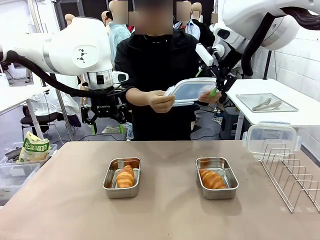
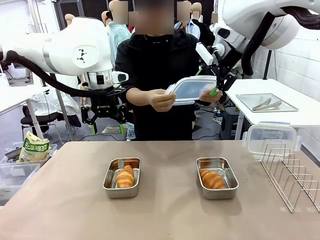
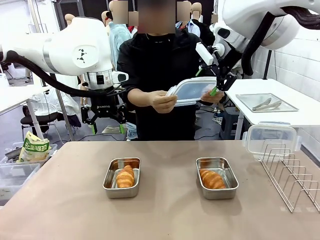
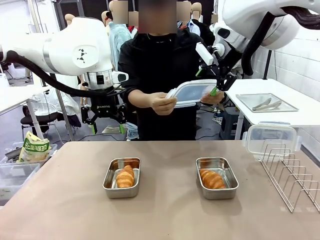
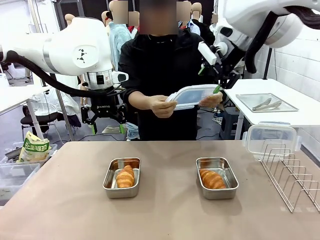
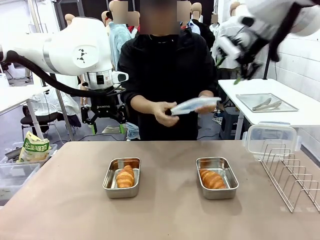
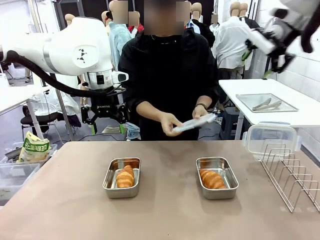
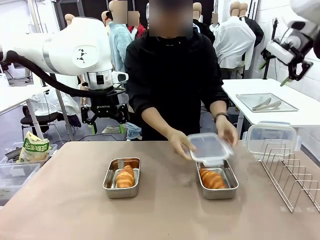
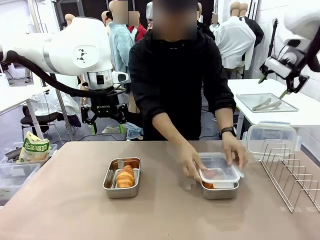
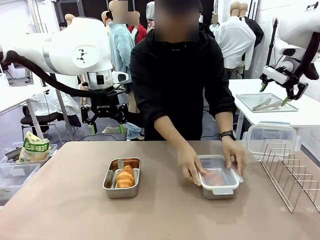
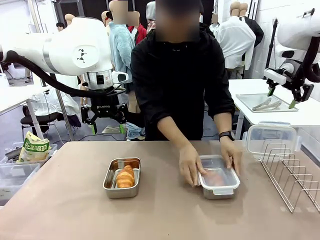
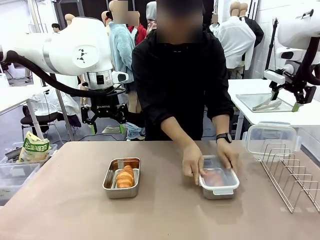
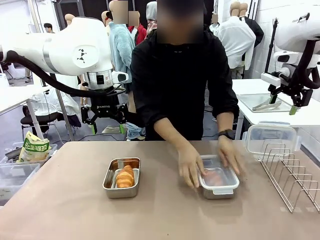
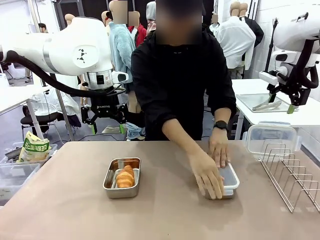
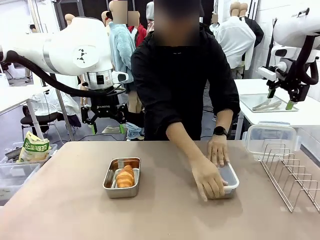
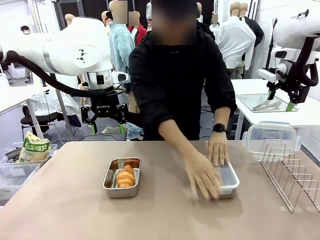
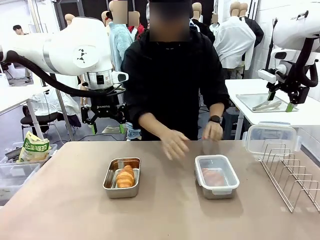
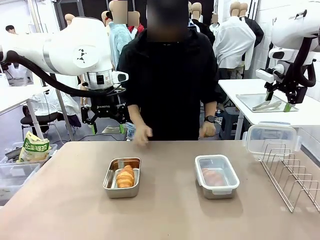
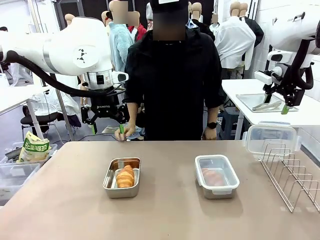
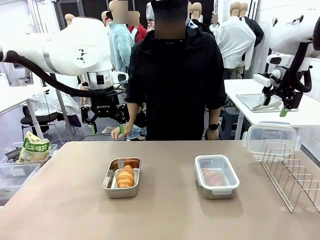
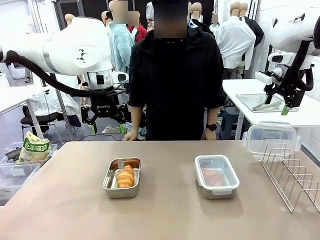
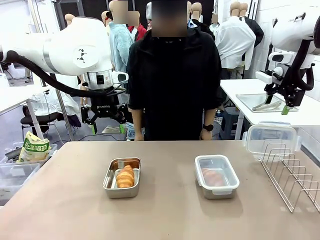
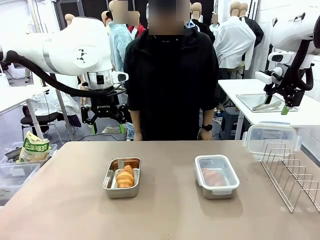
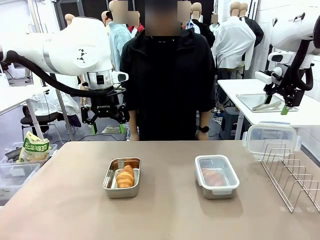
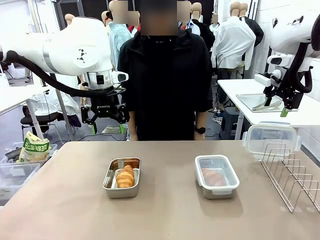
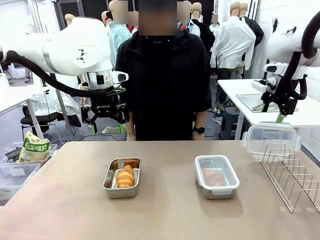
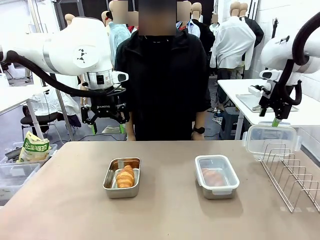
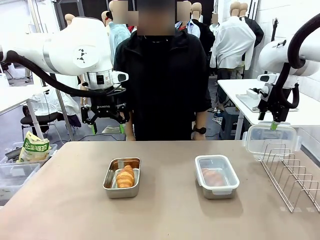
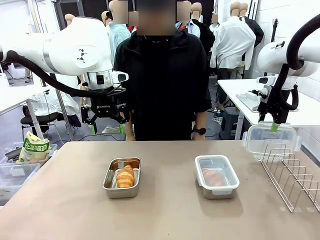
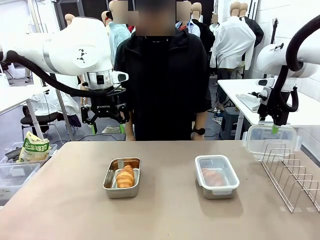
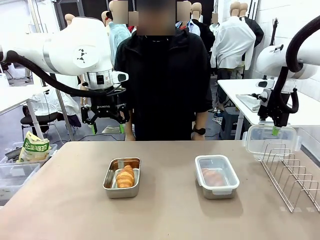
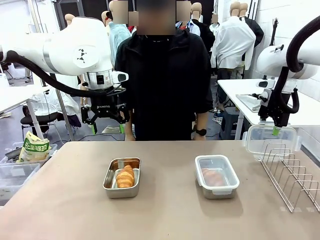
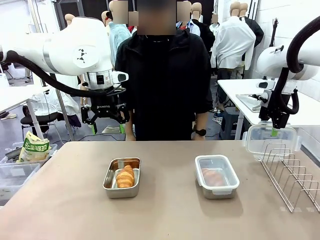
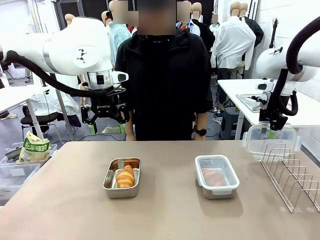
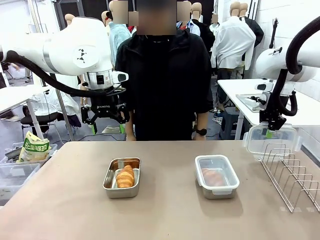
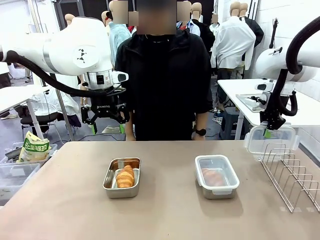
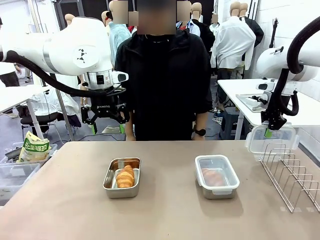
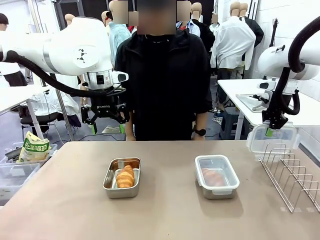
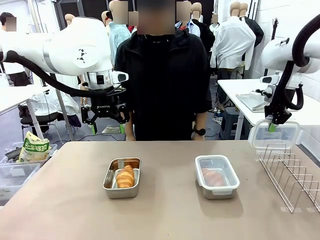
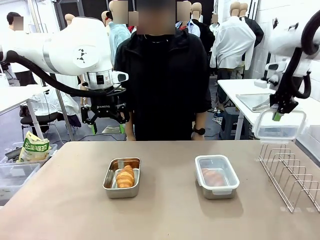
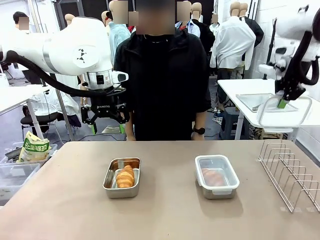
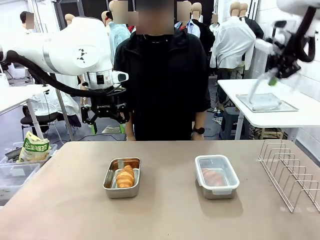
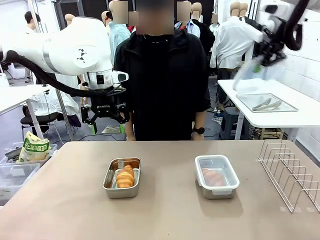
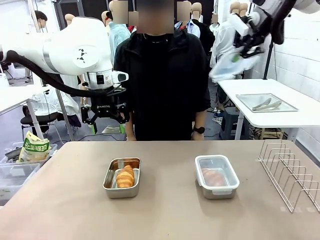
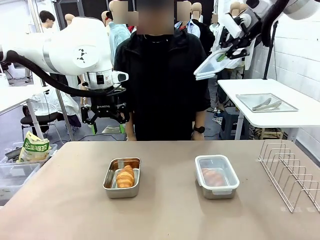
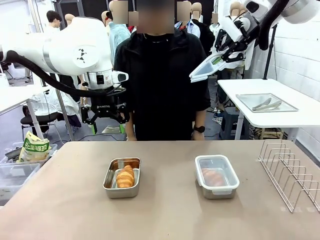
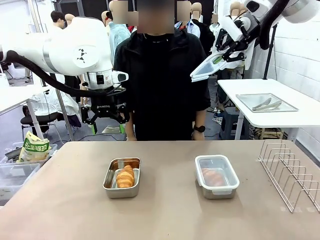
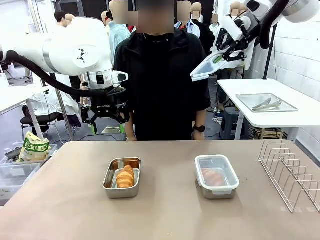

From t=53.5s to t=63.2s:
Task: Place the bread in airtight containers.
Robot: Pick up one Airtight Container lid and hand it to the human.
Person: Close Airtight Container with a handed Airtight Container lid. Grip Airtight Container lid that robot is handing.

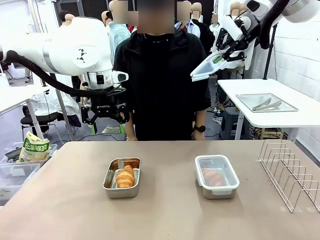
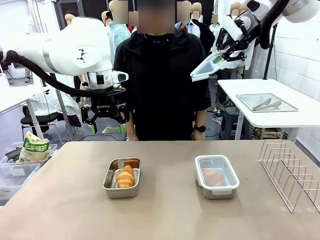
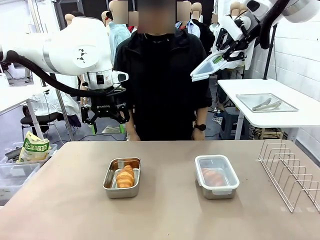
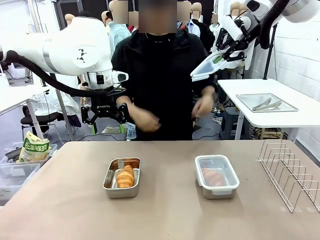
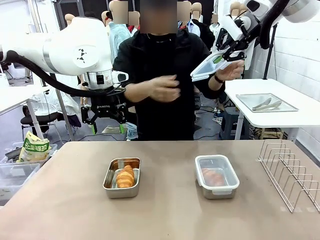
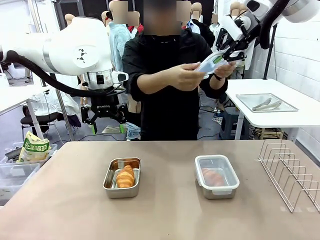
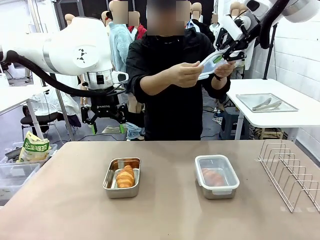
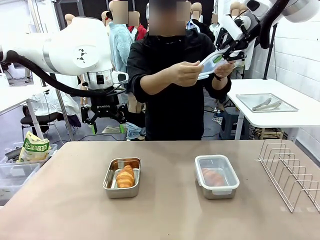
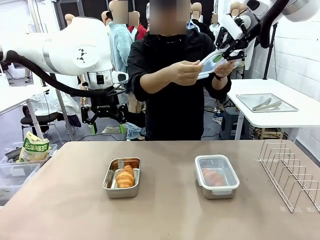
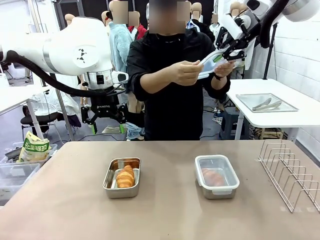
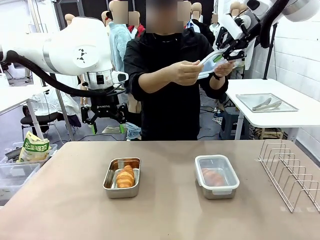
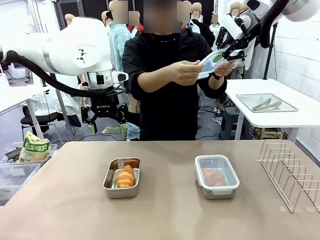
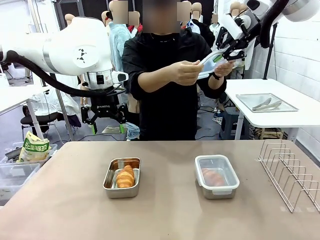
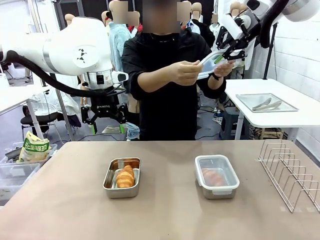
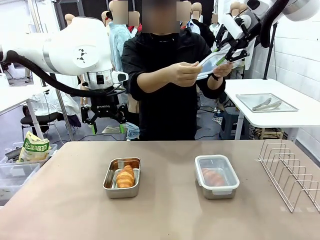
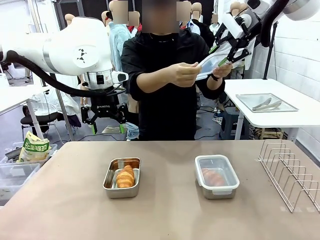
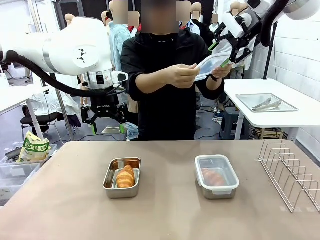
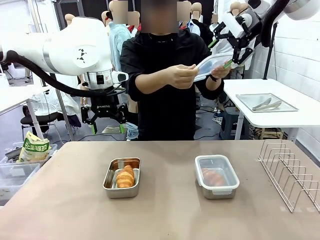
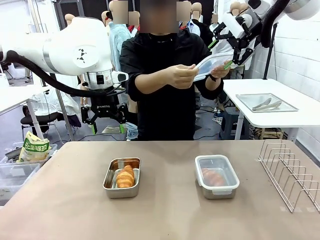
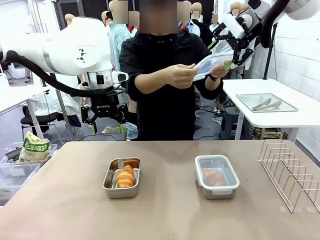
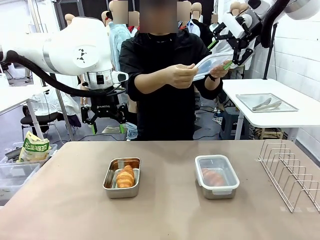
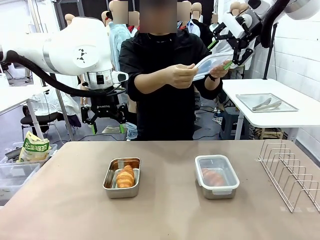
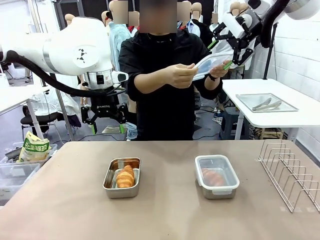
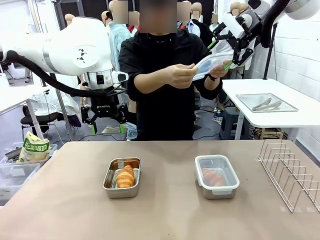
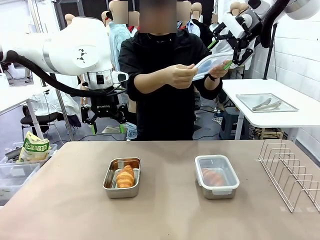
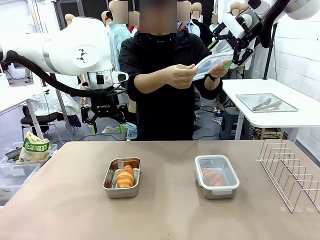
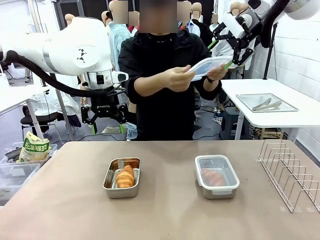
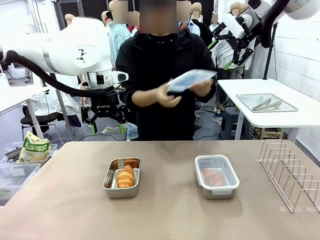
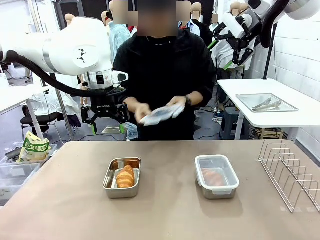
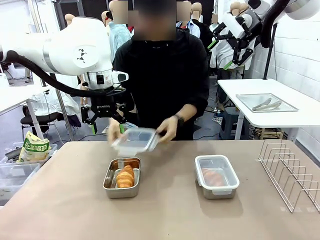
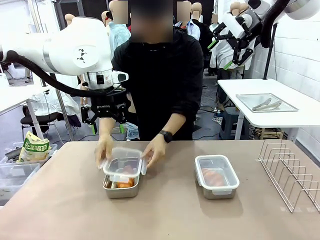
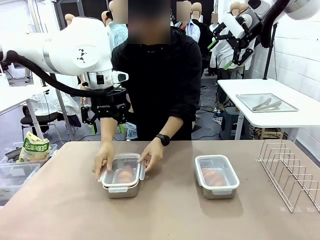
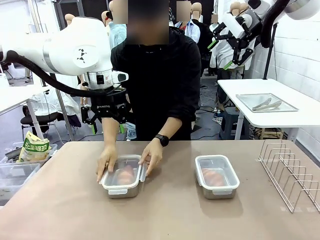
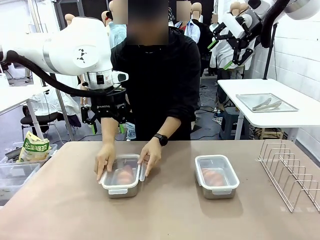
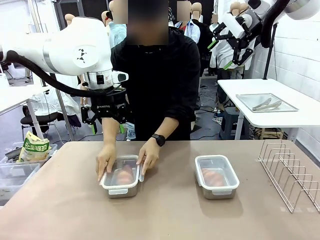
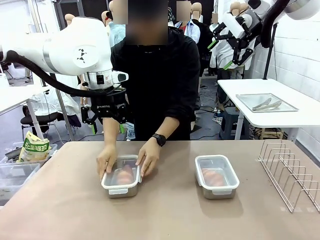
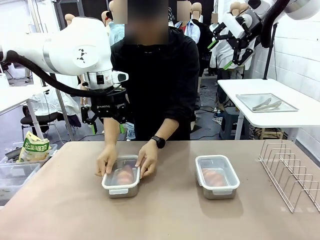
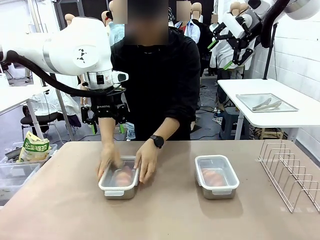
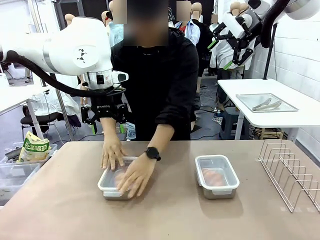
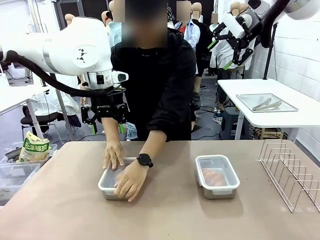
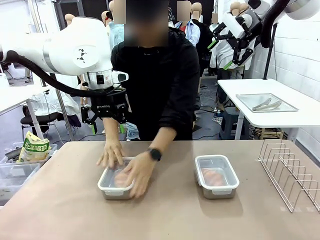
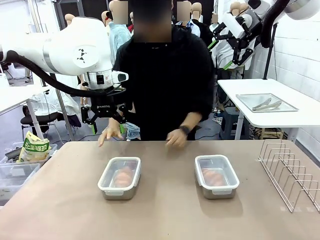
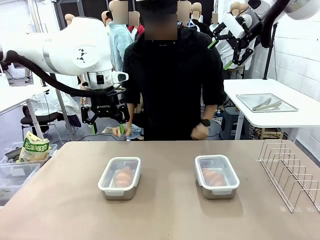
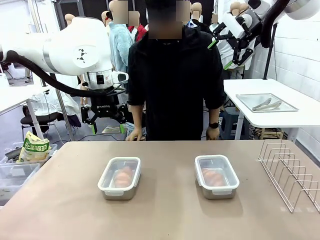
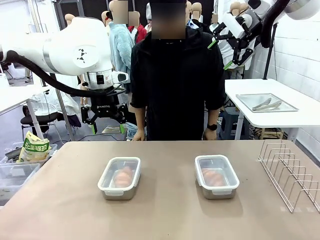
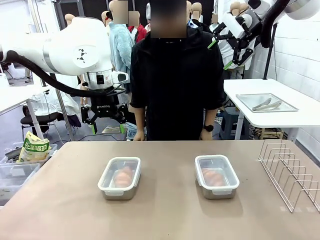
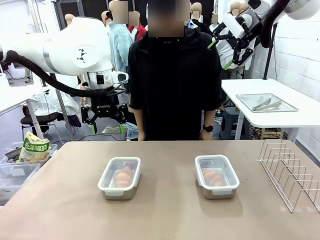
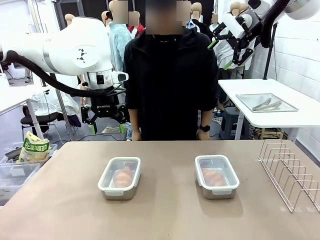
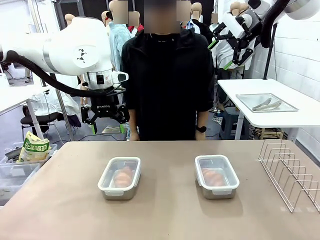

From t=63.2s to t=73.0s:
Robot: Release when the human grabs the Airtight Container lid.
Person: Close Airtight Container with a handed Airtight Container lid.
